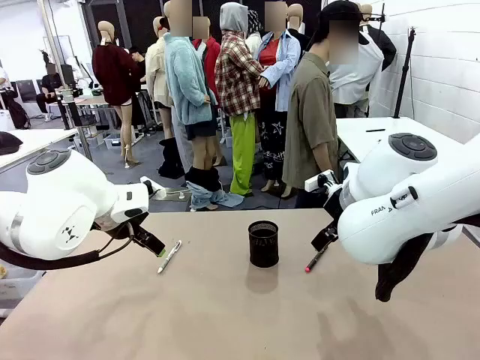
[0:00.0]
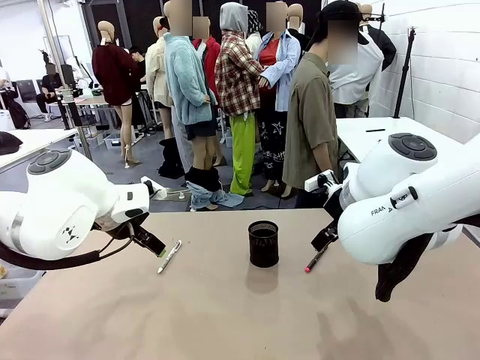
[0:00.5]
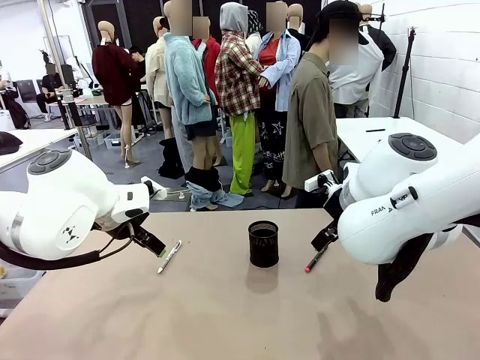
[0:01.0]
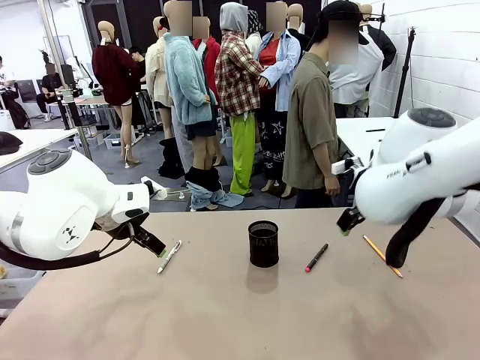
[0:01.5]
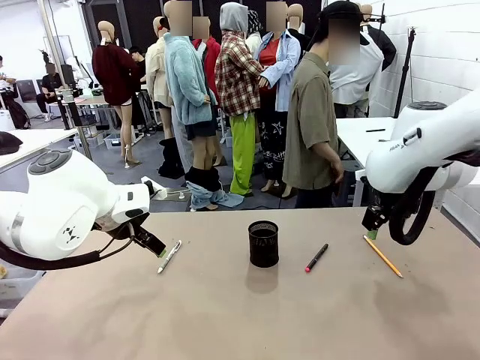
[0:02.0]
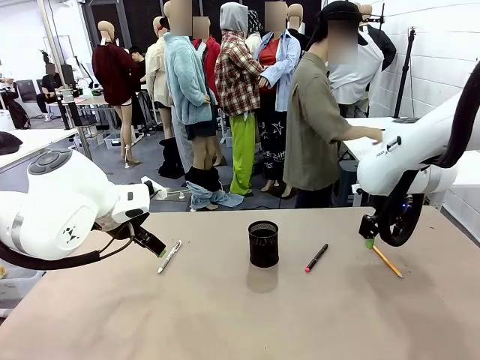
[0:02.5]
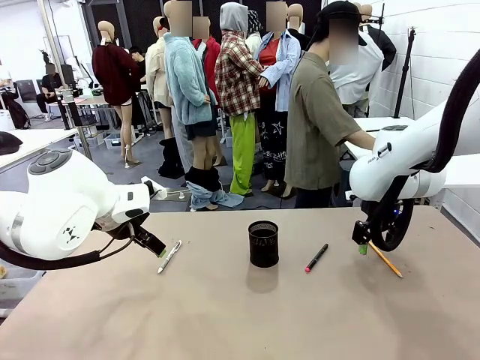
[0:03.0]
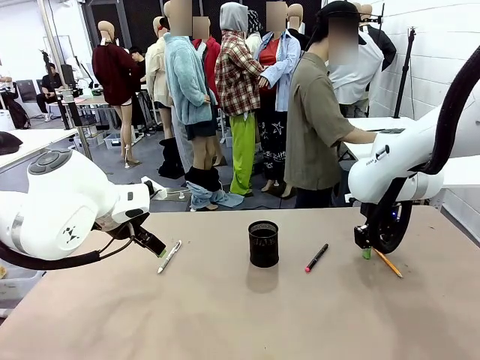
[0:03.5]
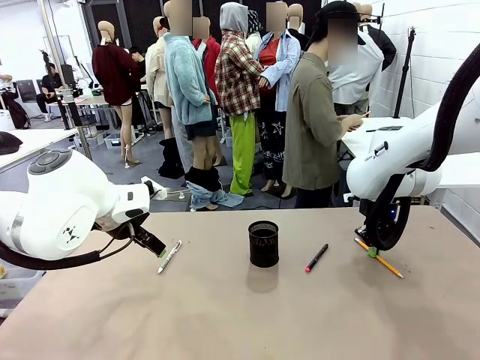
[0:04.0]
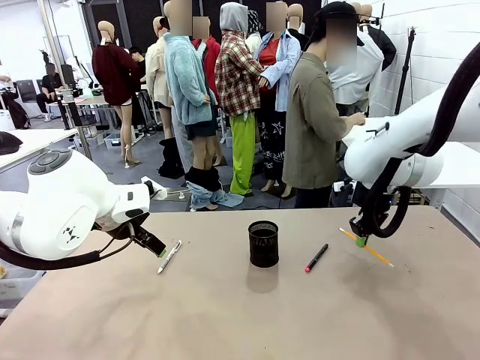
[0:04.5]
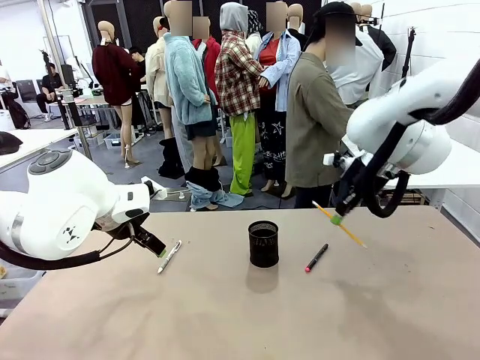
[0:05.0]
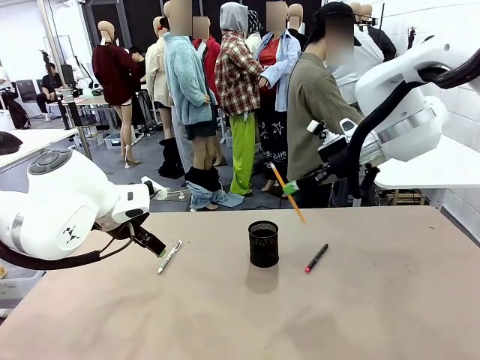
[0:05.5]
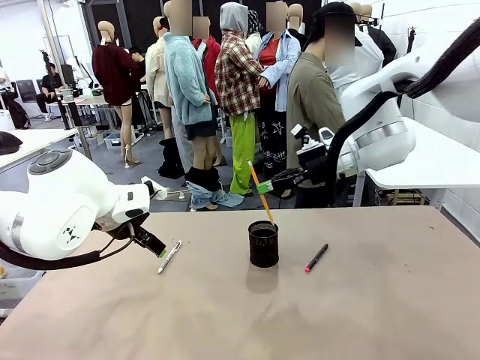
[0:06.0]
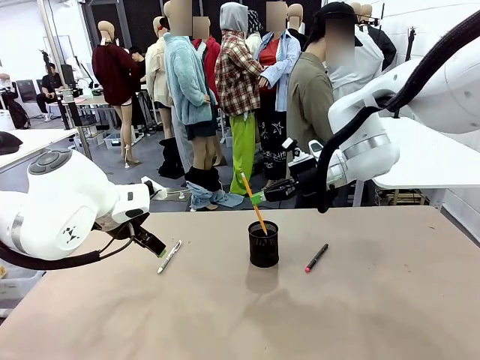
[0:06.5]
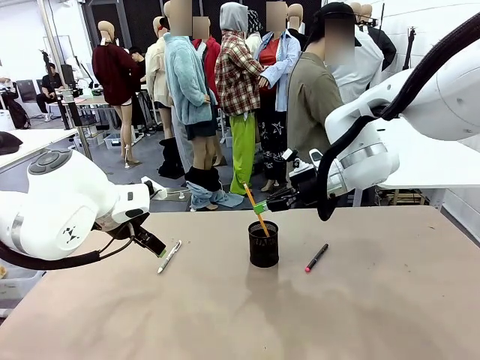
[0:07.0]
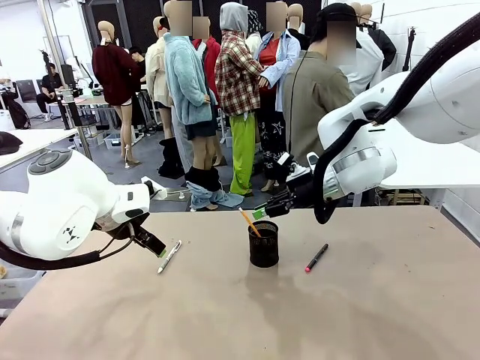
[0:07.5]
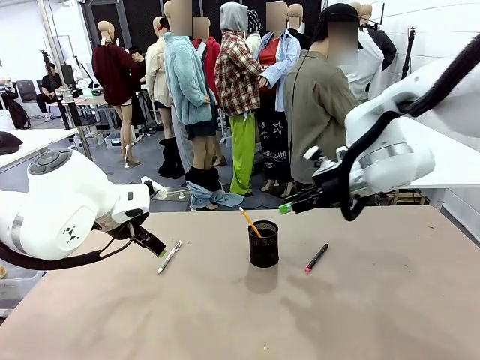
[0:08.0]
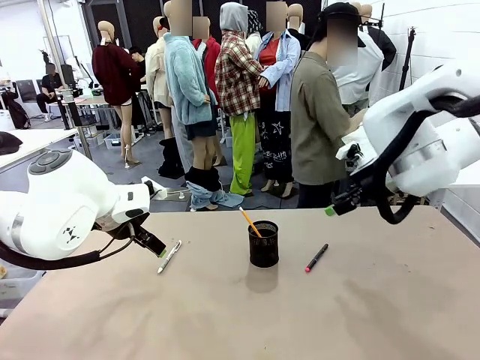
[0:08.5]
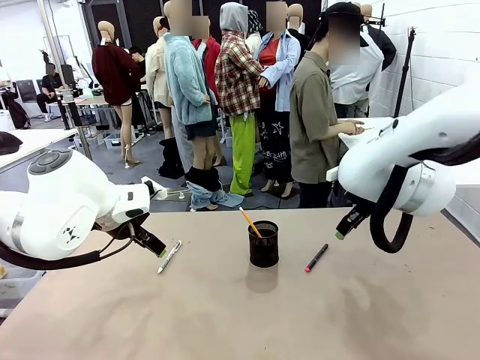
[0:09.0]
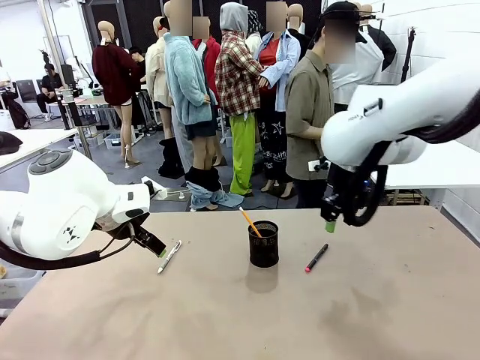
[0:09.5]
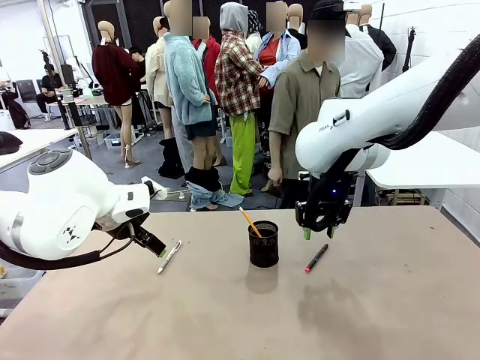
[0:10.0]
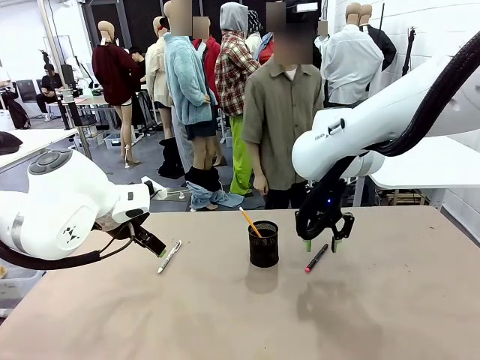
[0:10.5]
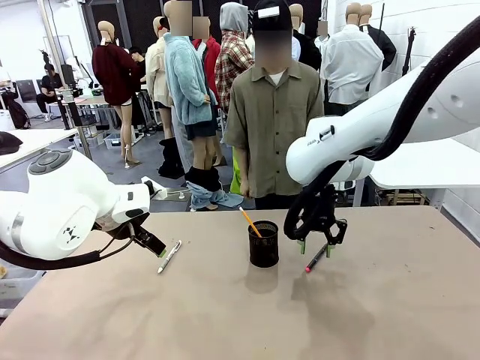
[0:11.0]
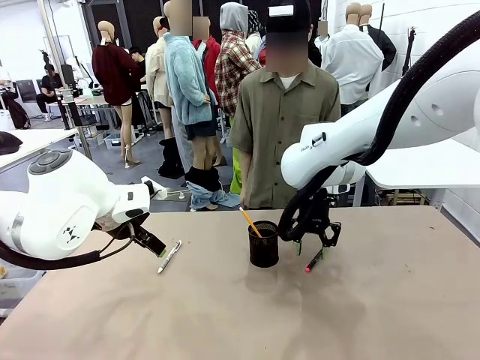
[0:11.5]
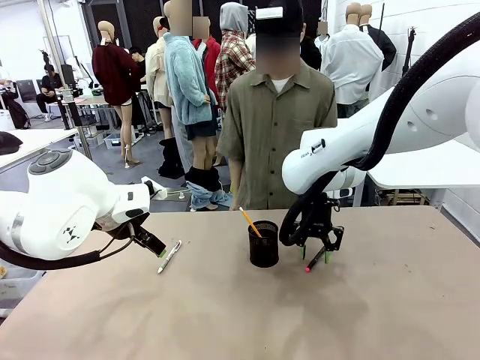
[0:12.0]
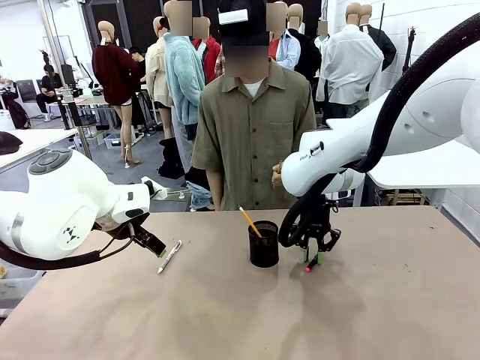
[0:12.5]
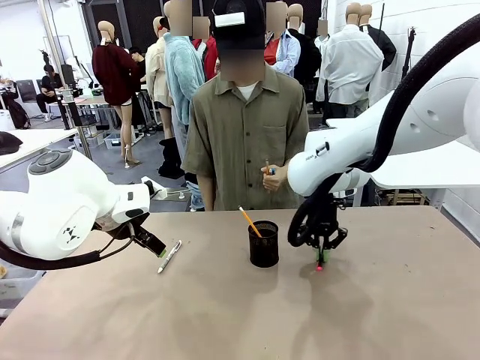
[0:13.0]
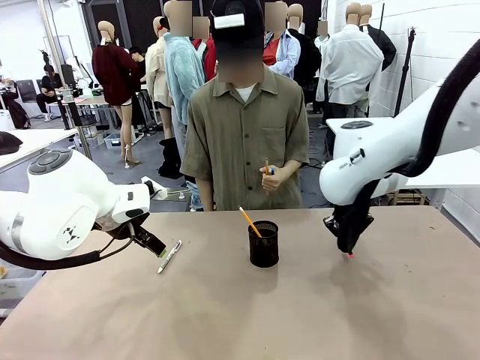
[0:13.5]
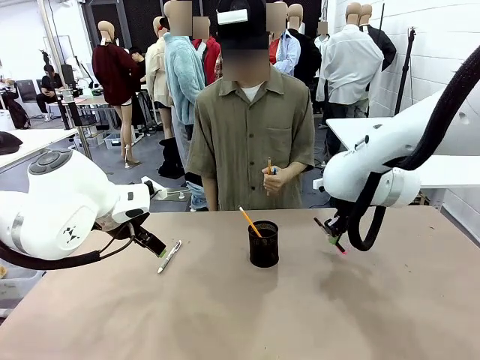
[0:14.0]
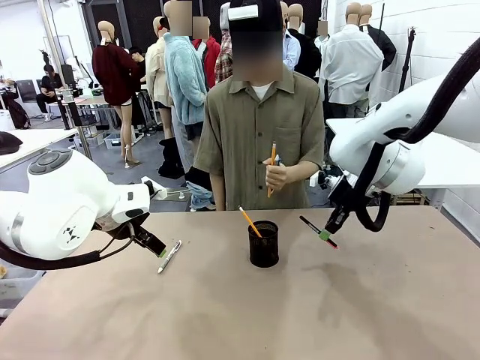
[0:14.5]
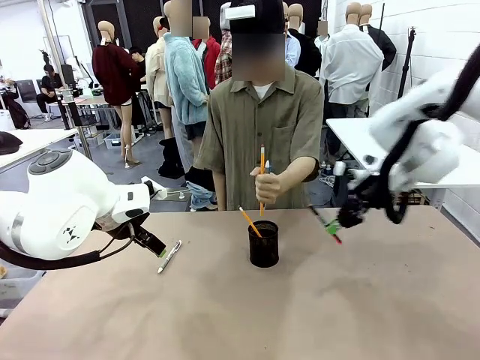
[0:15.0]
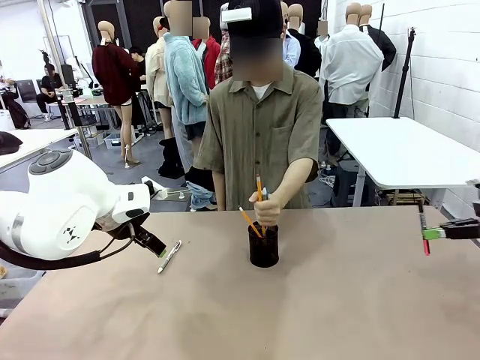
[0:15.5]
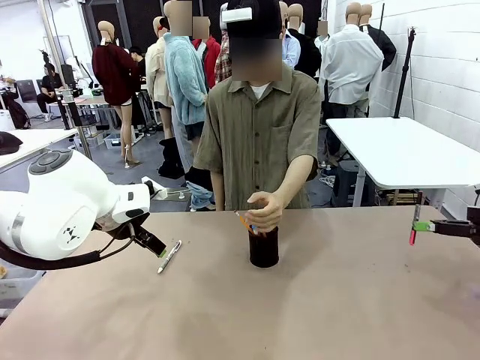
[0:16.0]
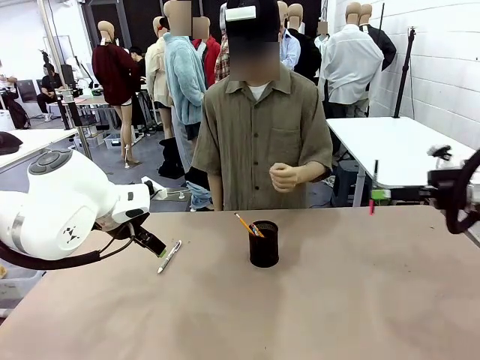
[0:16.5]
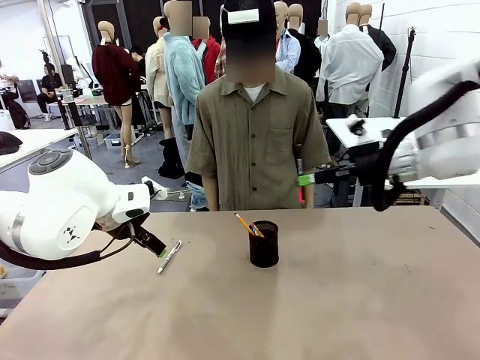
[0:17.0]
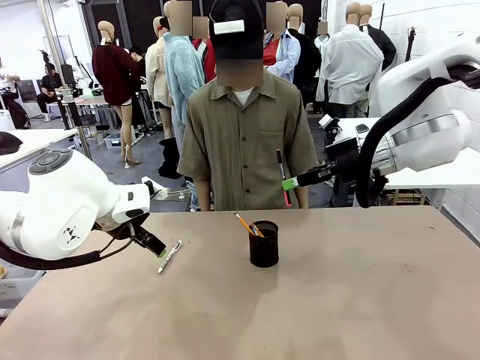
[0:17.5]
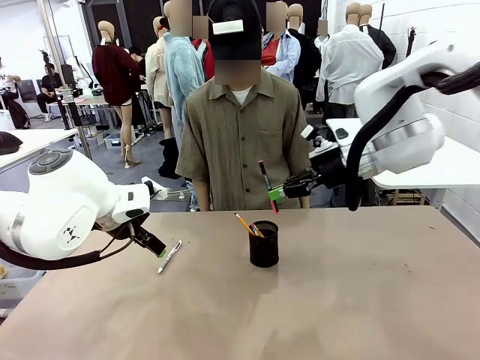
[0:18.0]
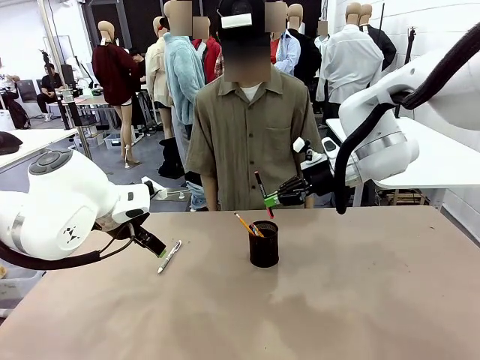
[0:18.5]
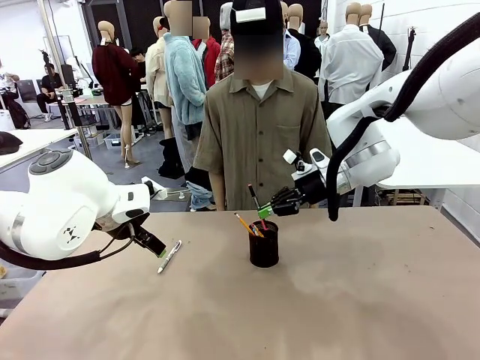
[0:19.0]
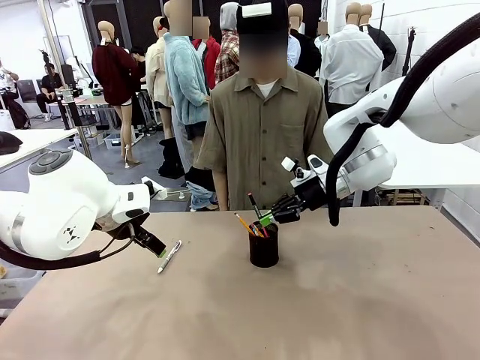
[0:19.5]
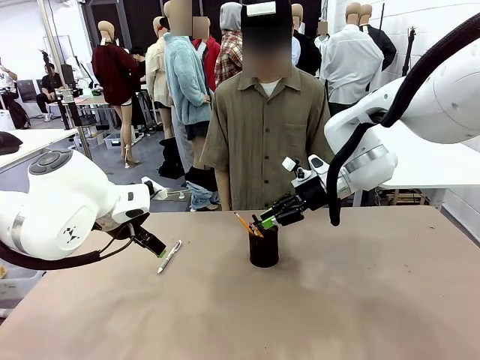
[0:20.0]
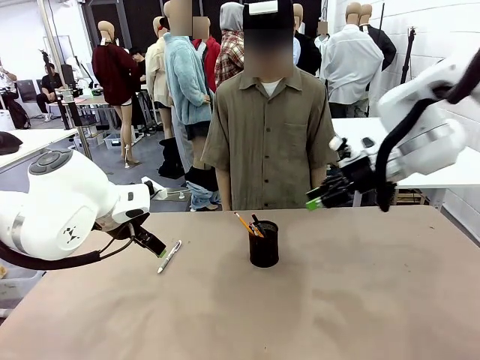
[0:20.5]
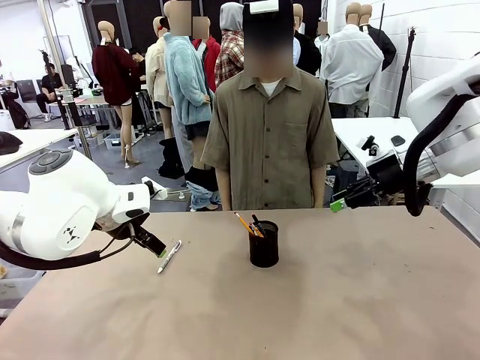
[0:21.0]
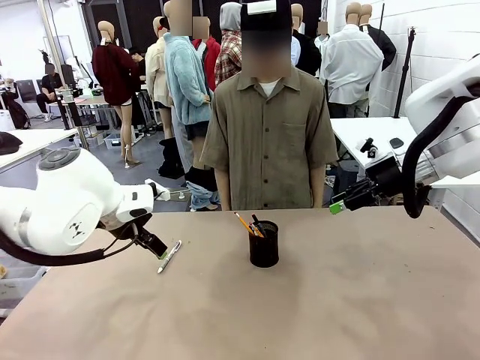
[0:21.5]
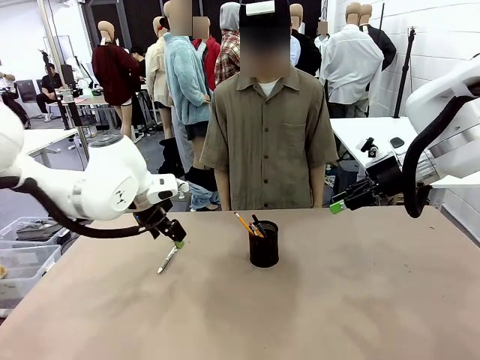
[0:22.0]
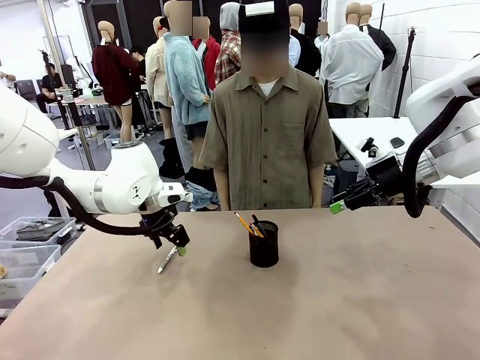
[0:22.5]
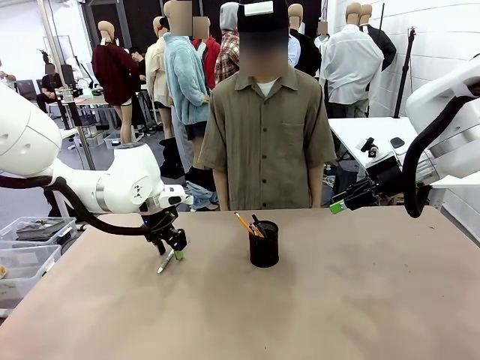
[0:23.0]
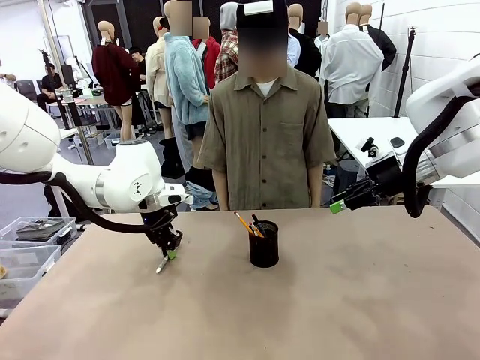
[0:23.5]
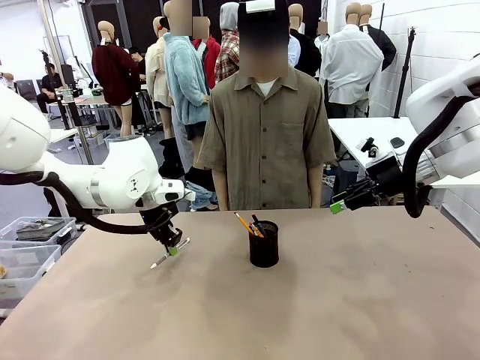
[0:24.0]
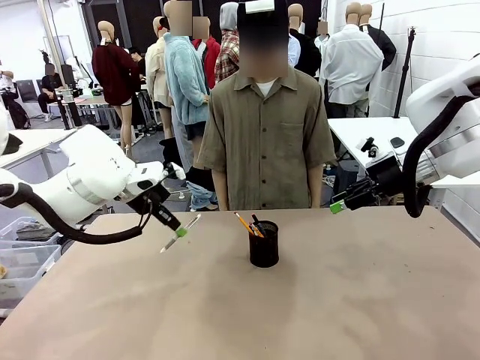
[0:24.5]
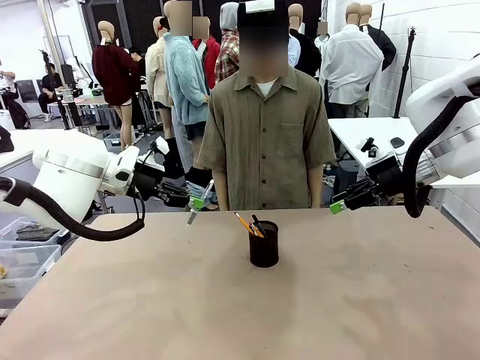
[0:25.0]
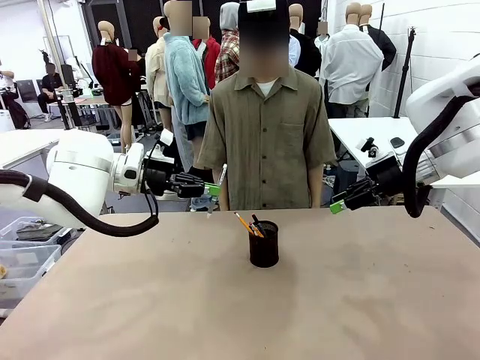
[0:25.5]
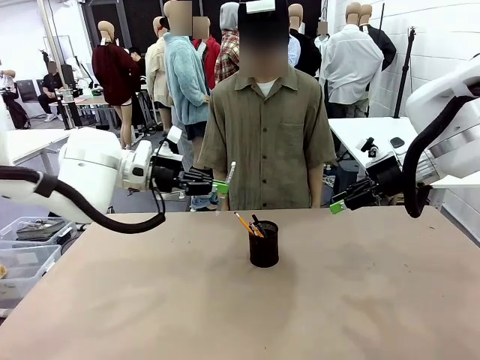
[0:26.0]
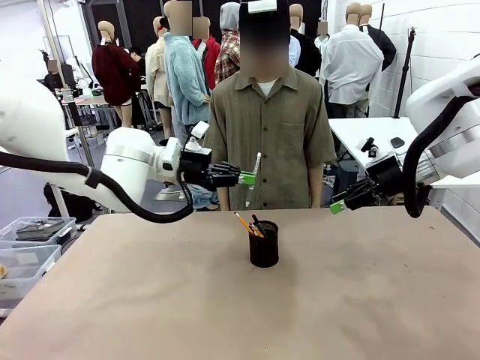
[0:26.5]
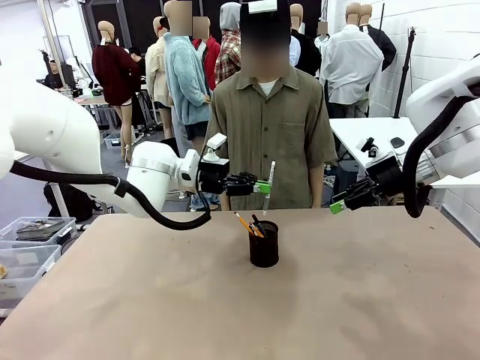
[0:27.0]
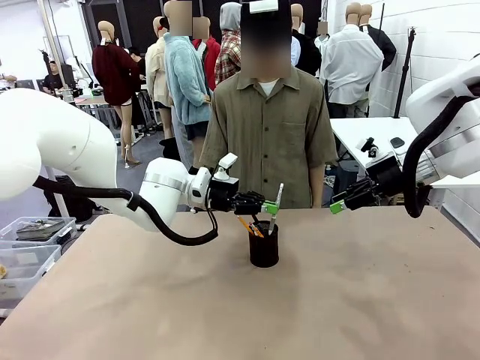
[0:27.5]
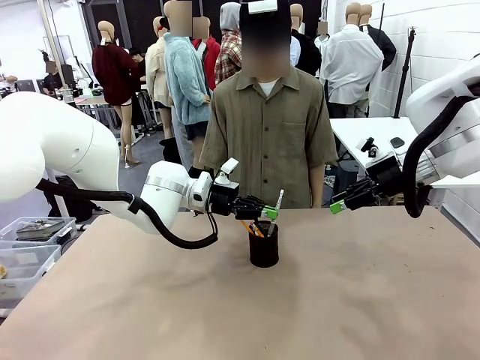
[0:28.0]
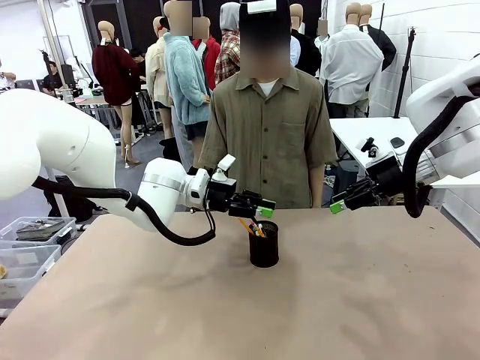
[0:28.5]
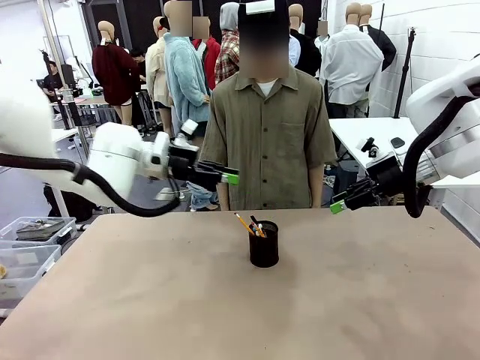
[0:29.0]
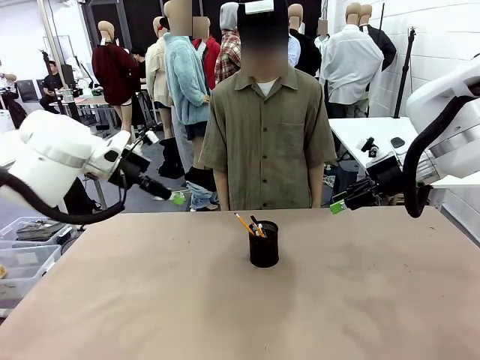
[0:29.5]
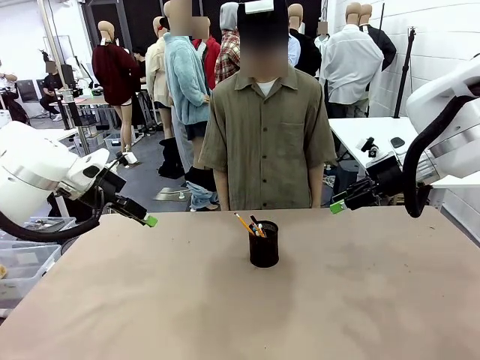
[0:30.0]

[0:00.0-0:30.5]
Task: Place the pens into the pen holder.
Robot: Pick up a writing instrument from the table and place it into the Pen holder.
Person: Pick up all writing instruments from the Human table. Place all writing instrument into the Pen holder.
